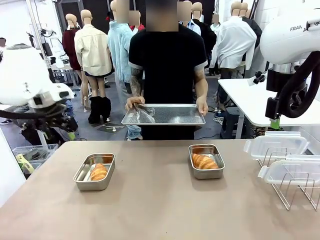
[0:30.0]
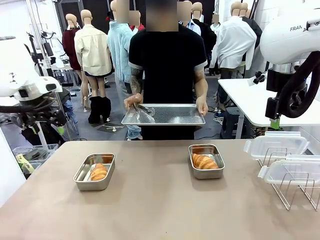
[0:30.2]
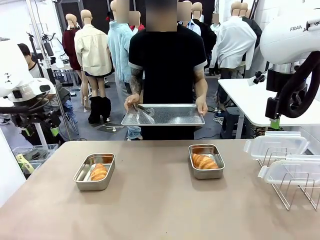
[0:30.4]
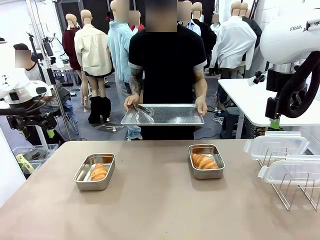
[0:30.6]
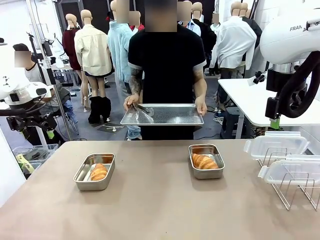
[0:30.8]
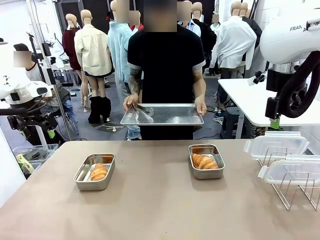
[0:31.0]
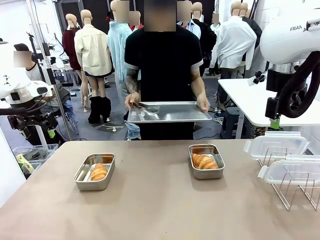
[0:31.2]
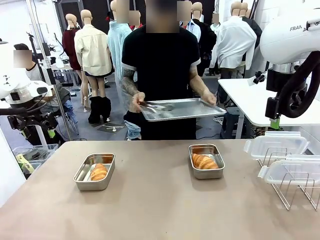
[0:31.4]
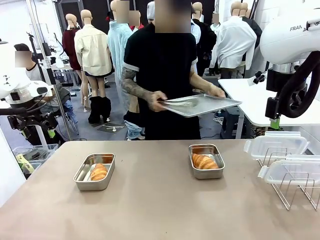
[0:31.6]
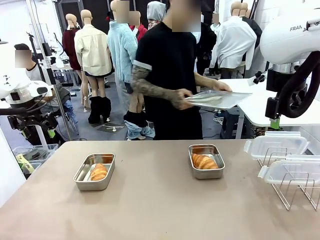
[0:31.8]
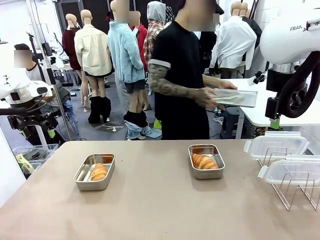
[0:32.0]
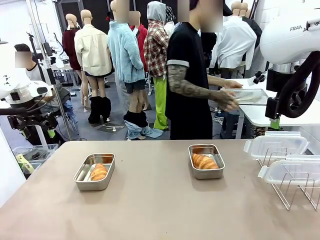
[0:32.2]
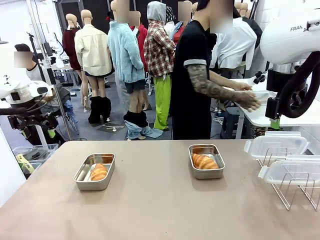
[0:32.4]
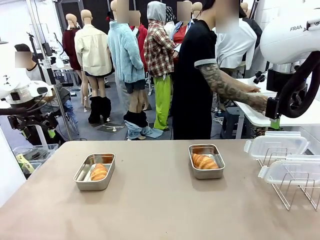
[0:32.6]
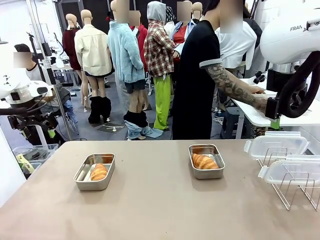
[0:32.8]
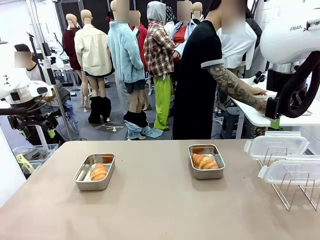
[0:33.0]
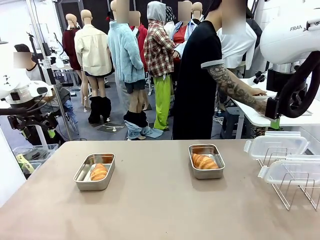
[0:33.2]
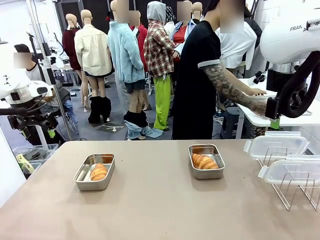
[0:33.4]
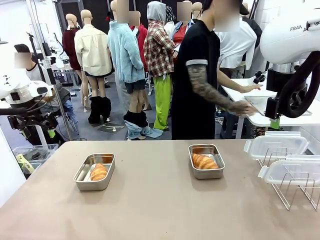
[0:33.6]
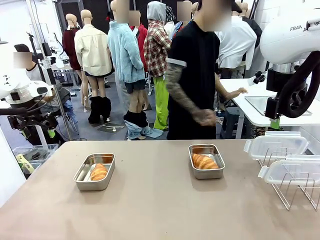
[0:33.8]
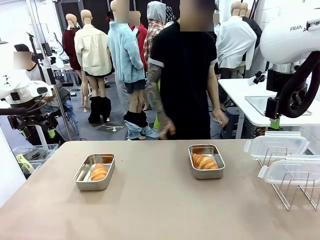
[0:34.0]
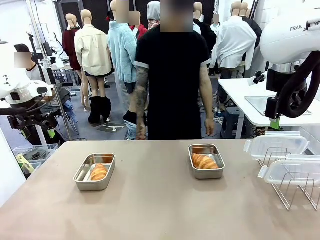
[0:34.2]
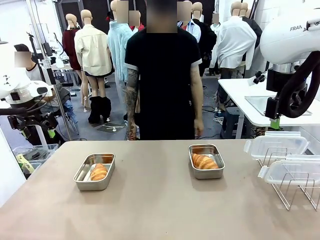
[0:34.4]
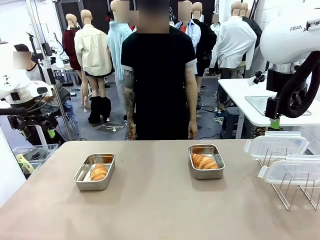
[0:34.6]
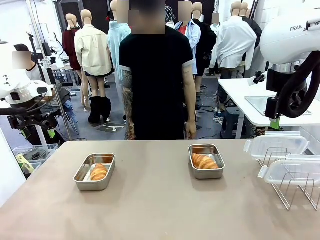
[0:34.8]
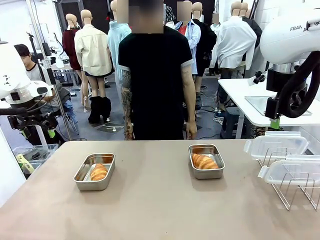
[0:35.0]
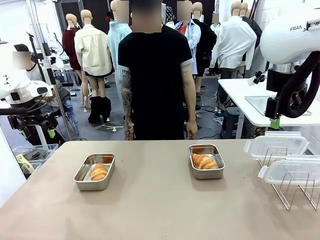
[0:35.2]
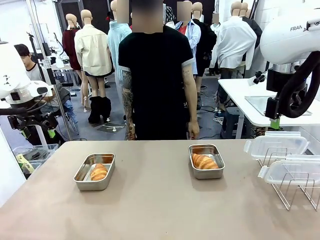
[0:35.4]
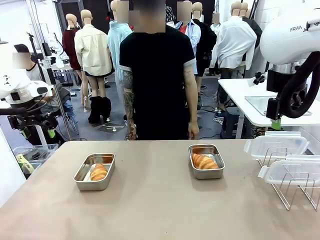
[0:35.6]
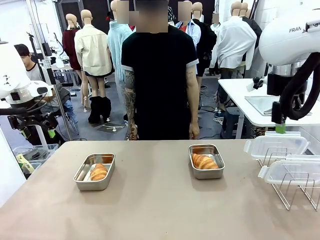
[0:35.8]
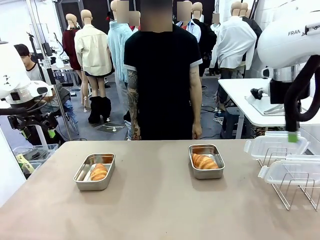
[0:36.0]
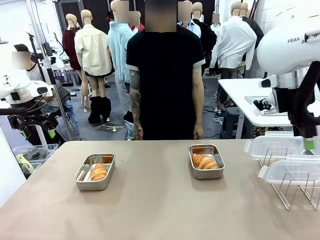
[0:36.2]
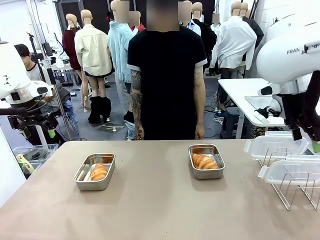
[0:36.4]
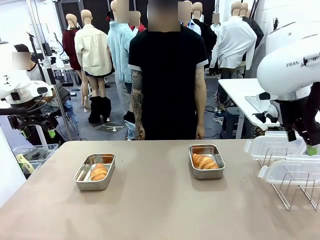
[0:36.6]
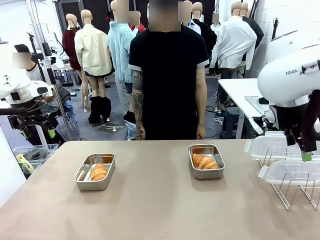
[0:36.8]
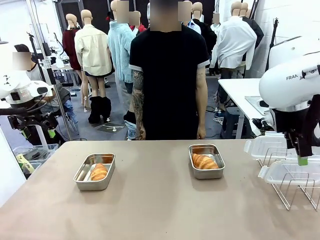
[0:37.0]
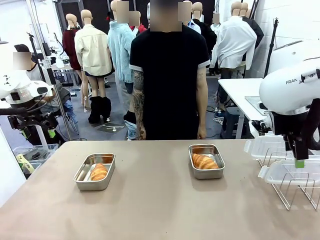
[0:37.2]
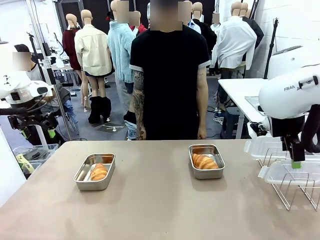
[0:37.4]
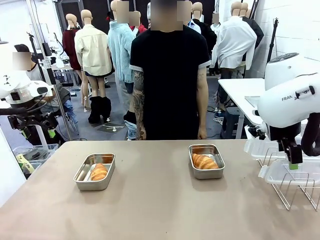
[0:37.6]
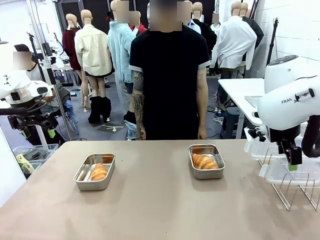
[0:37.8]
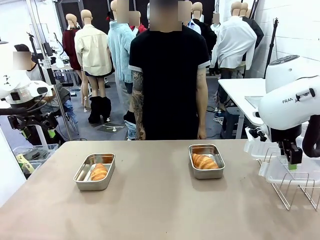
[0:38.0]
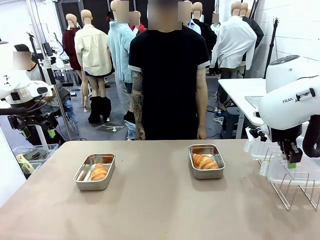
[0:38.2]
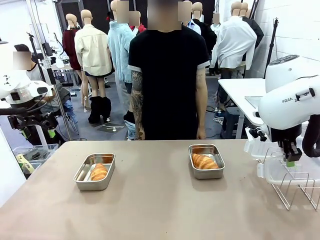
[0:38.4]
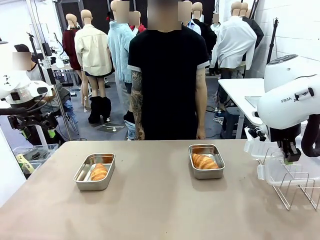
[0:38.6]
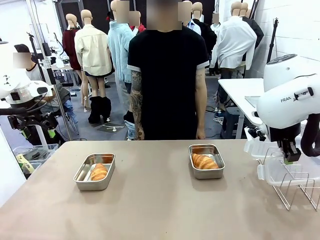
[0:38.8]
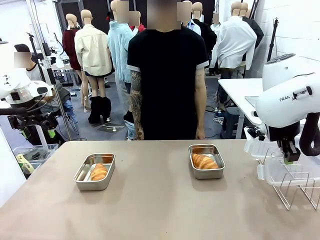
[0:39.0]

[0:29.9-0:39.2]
Task: Place the bread in airtight containers.
Robot: Pick up one Airtight Container lid and hand it to the human.
Person: Place Baking Sheet on the Human's Table.

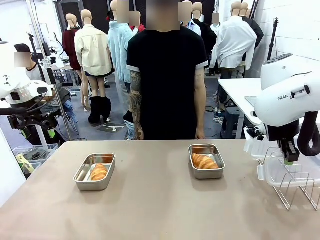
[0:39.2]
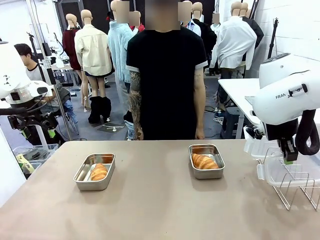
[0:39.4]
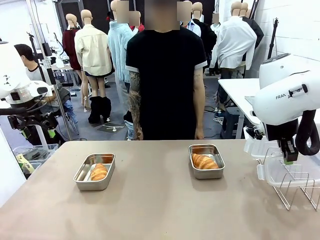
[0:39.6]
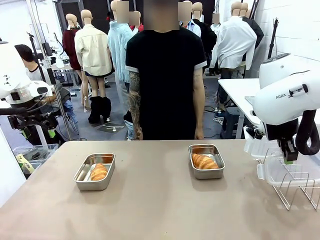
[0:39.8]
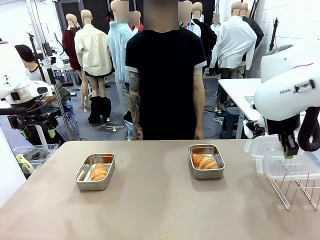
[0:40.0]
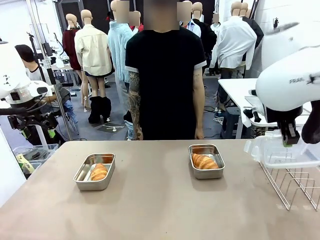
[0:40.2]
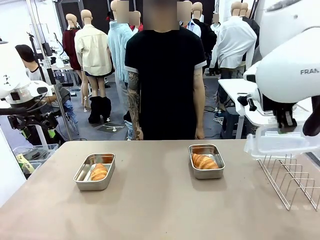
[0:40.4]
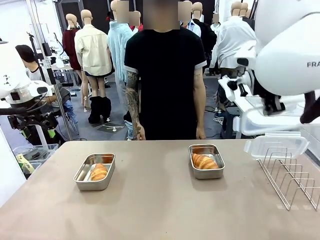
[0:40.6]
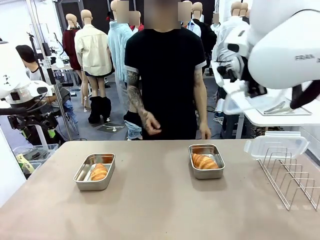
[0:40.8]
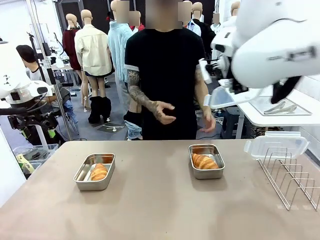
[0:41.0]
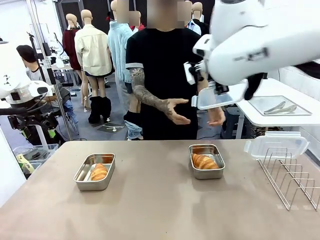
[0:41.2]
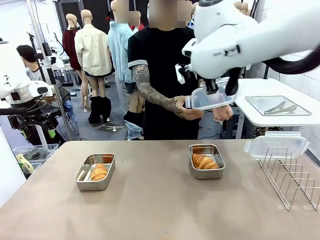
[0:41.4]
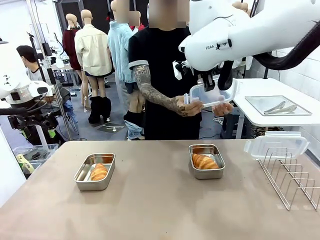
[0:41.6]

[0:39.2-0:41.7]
Robot: Release when the human grabs the Airtight Container lid.

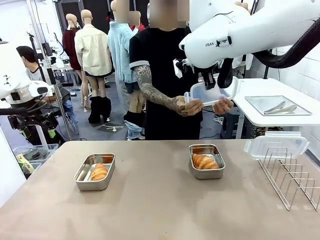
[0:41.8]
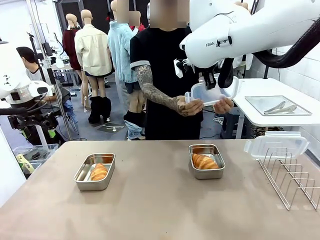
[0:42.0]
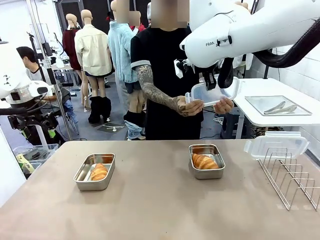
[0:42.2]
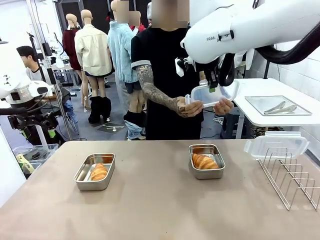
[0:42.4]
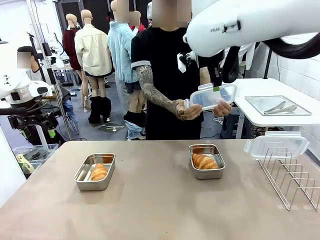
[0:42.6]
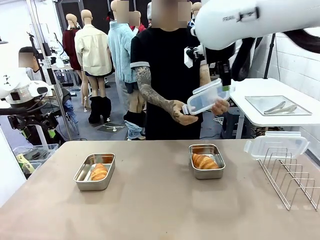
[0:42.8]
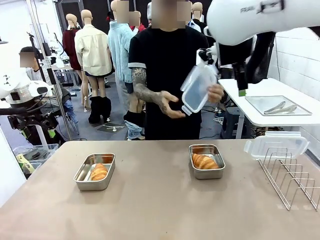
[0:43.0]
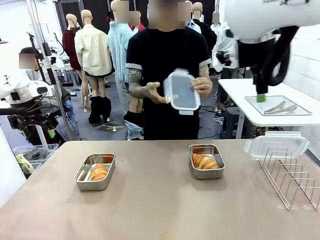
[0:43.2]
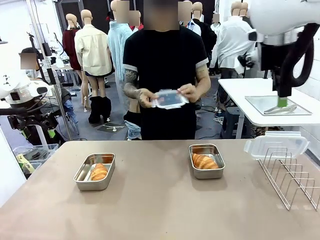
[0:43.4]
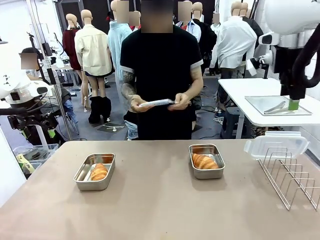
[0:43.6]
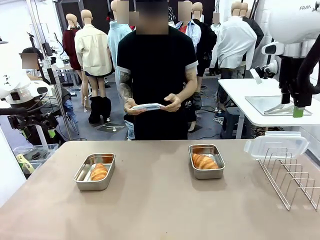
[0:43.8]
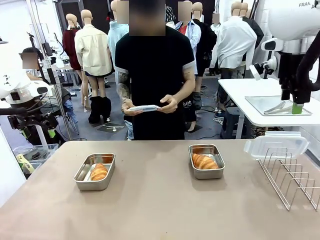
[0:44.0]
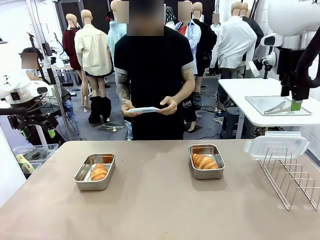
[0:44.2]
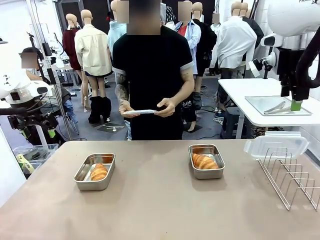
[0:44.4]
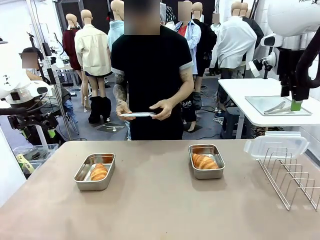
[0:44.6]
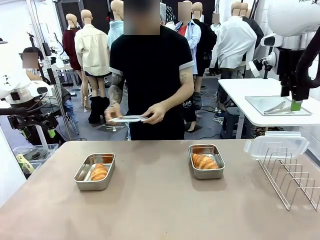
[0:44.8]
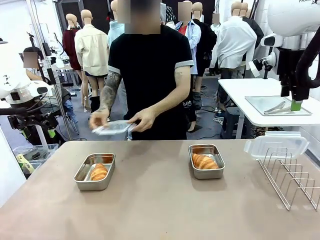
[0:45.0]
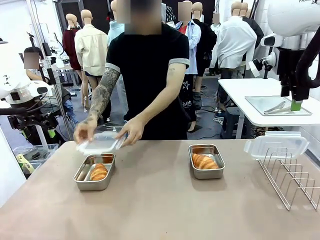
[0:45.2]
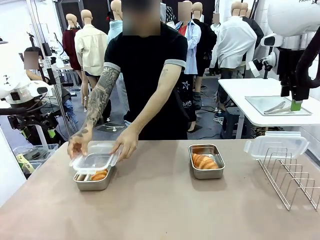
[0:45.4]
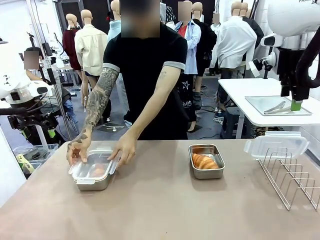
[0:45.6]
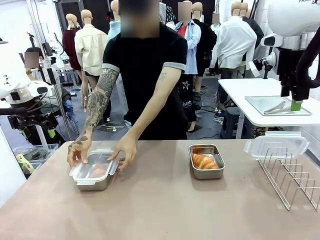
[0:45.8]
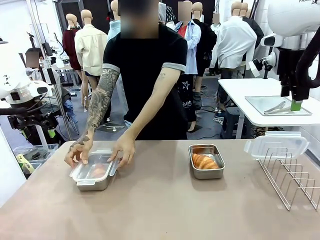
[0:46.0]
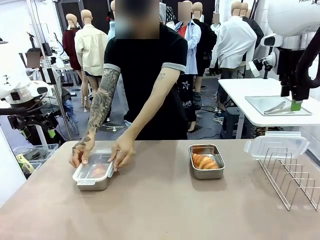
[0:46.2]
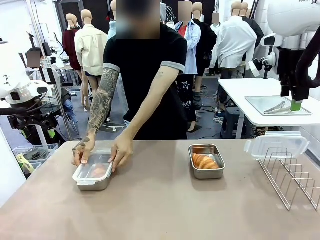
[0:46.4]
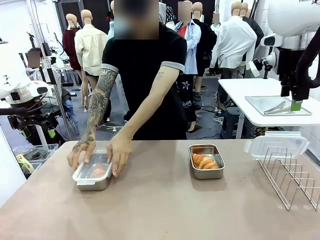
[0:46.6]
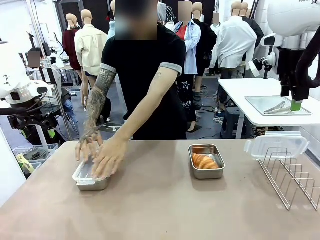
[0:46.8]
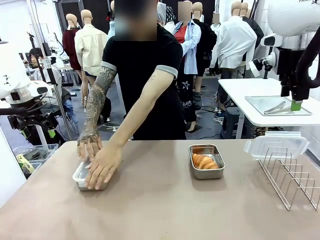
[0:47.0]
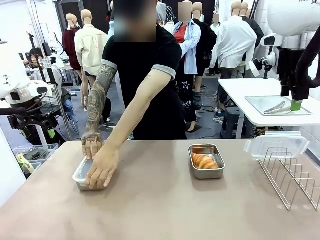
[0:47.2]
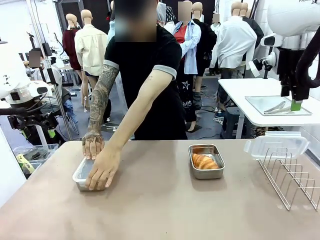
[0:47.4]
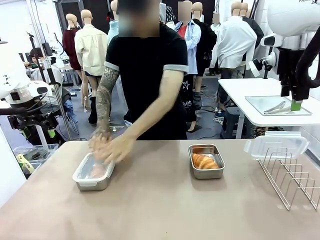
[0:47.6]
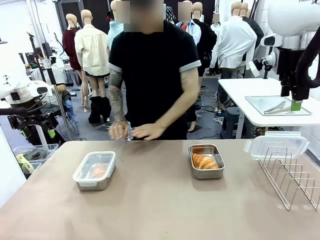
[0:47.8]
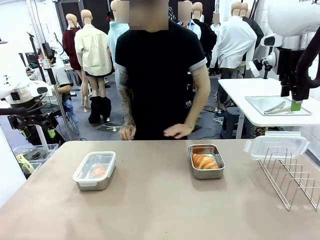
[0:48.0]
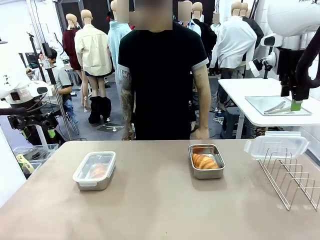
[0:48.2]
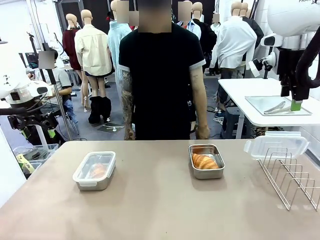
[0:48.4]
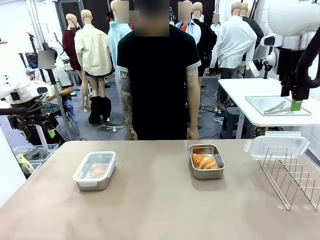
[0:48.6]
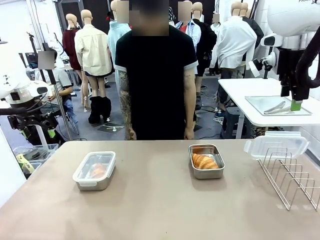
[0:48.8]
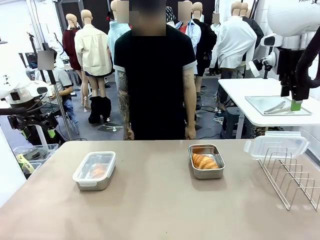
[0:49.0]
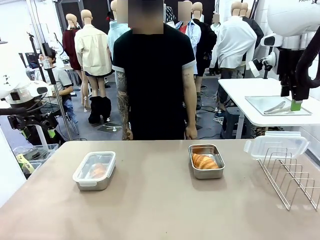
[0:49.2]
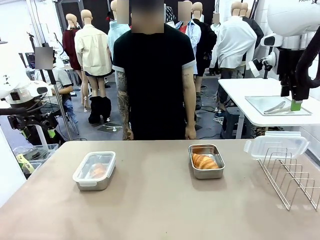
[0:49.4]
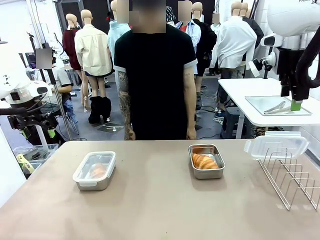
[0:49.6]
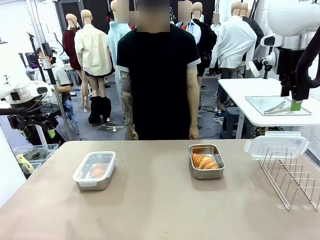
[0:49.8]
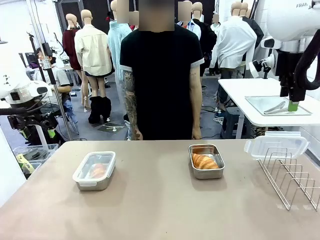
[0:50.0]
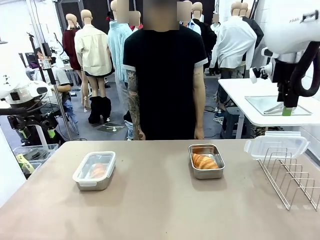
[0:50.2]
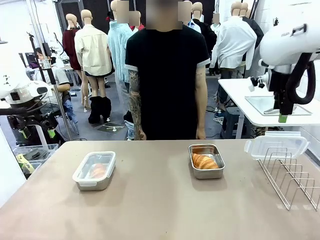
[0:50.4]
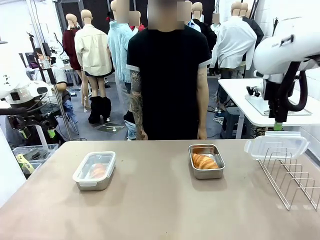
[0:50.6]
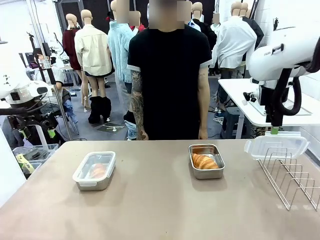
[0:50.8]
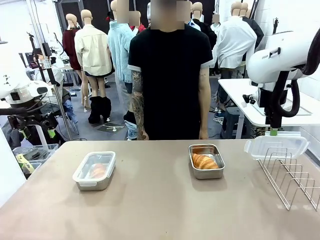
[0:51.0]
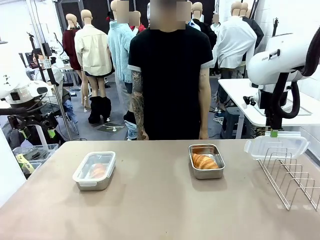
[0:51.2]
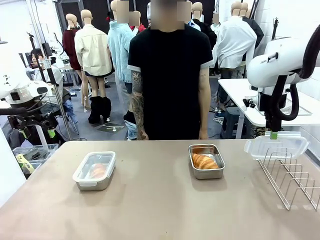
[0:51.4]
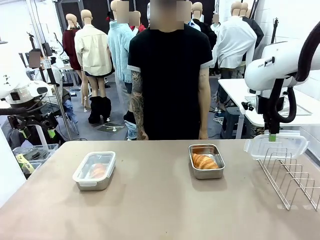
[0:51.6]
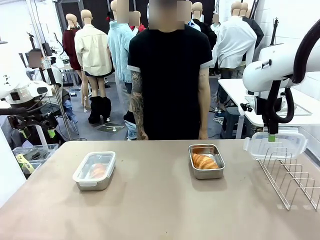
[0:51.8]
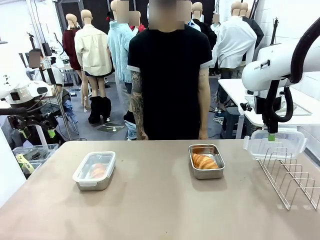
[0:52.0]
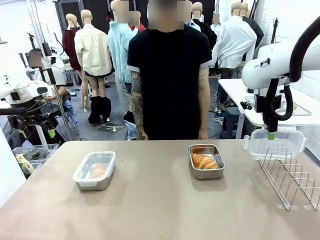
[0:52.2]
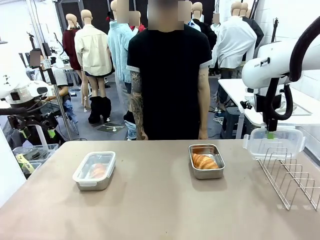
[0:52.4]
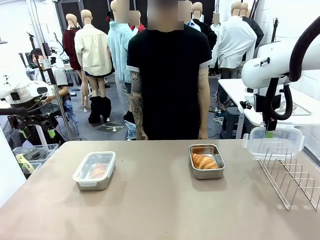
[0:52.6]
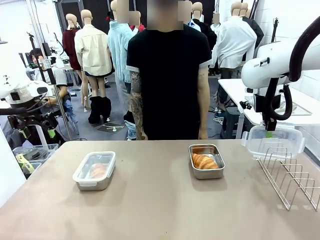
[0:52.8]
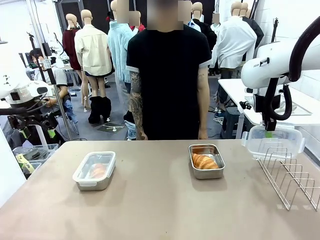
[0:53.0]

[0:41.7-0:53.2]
Robot: Pick up one Airtight Container lid and hand it to the human.
Person: Close Airtight Container with a handed Airtight Container lid.
